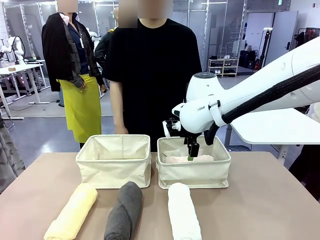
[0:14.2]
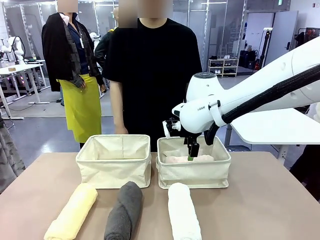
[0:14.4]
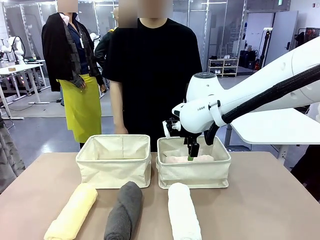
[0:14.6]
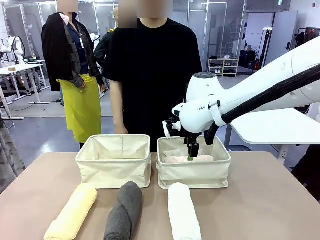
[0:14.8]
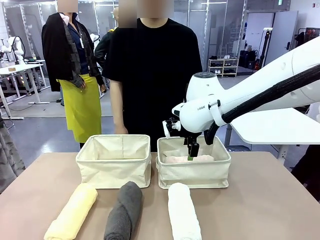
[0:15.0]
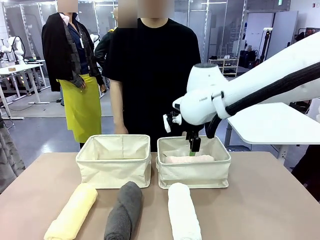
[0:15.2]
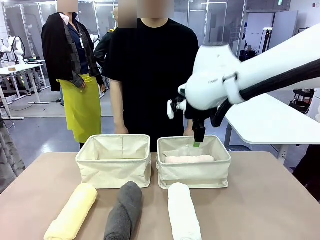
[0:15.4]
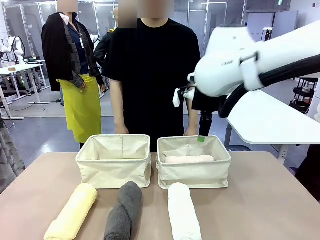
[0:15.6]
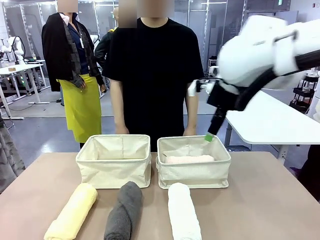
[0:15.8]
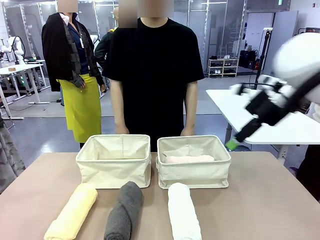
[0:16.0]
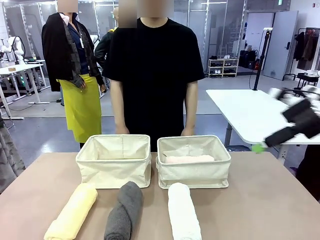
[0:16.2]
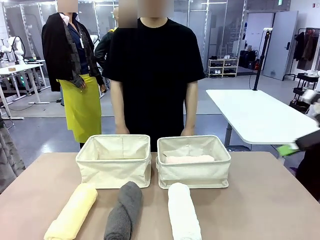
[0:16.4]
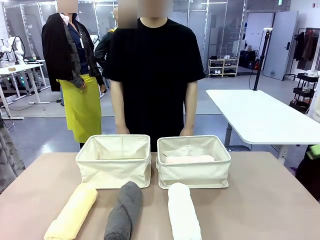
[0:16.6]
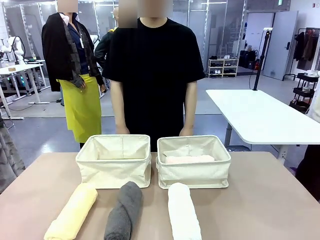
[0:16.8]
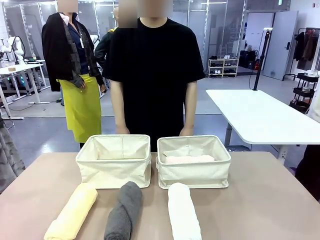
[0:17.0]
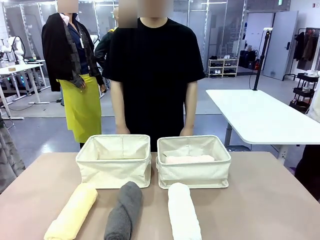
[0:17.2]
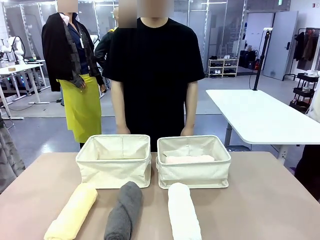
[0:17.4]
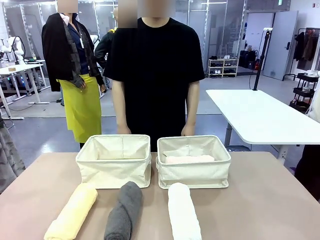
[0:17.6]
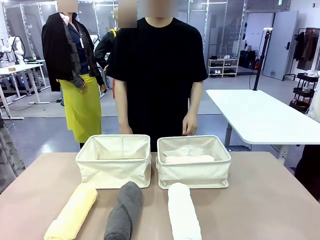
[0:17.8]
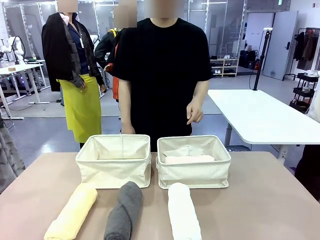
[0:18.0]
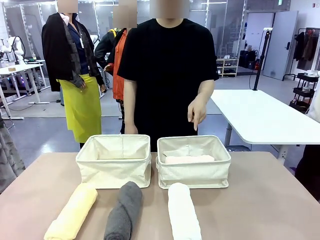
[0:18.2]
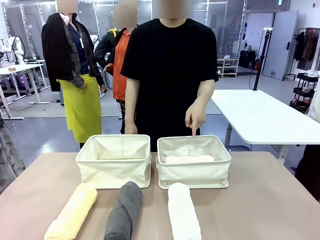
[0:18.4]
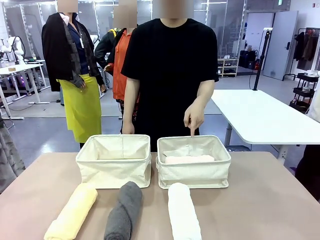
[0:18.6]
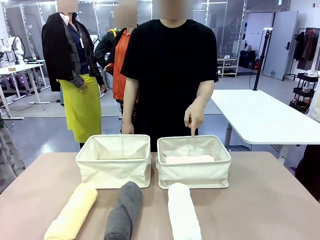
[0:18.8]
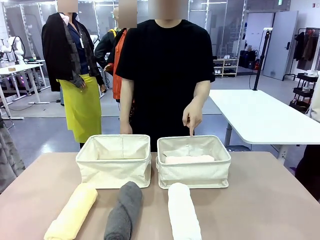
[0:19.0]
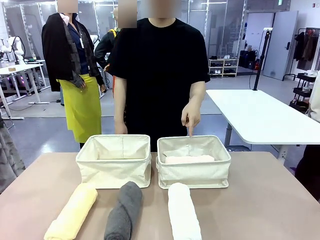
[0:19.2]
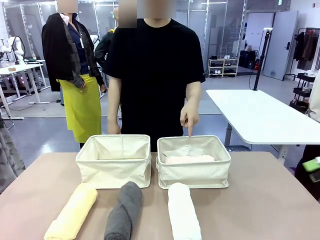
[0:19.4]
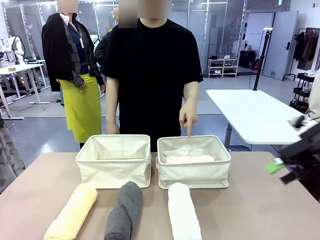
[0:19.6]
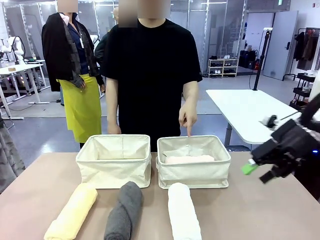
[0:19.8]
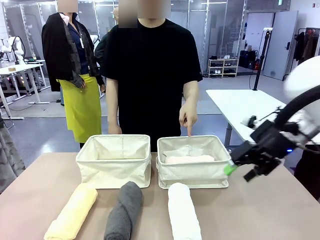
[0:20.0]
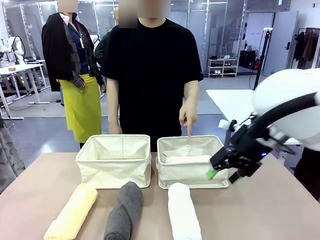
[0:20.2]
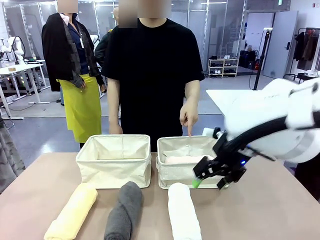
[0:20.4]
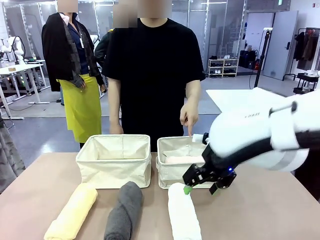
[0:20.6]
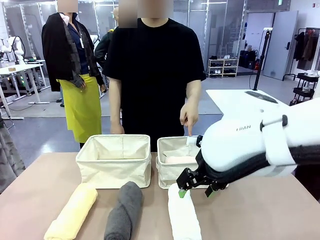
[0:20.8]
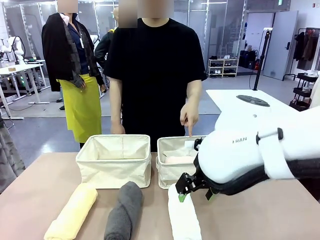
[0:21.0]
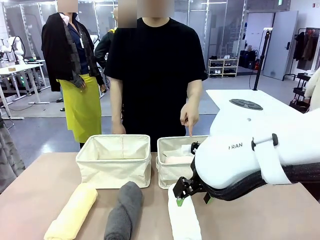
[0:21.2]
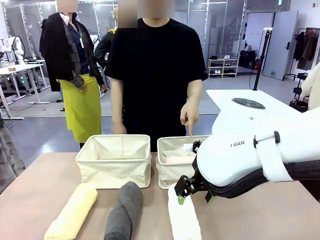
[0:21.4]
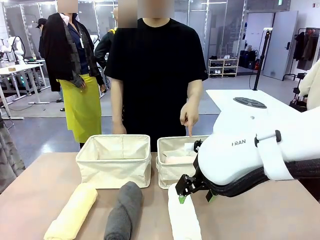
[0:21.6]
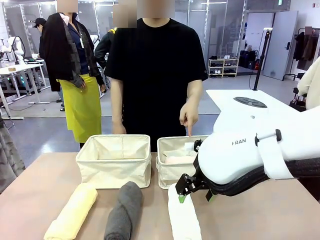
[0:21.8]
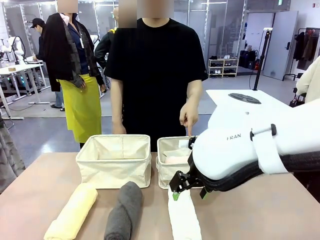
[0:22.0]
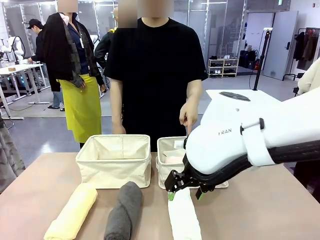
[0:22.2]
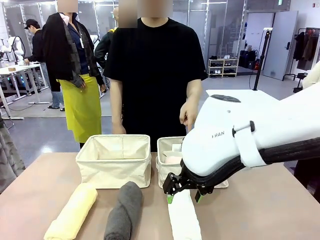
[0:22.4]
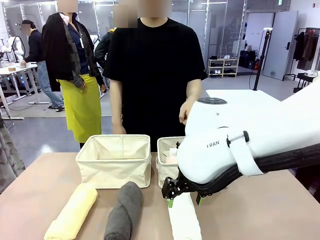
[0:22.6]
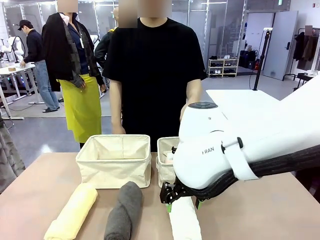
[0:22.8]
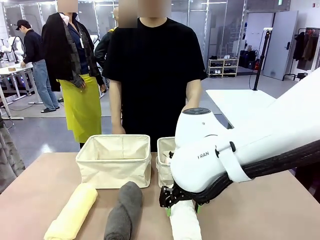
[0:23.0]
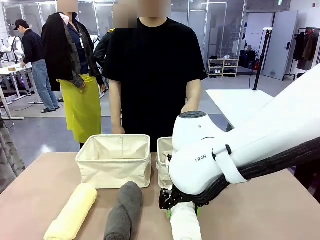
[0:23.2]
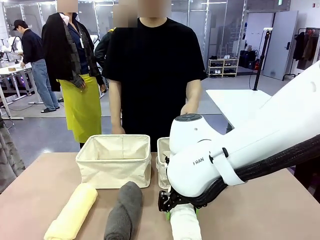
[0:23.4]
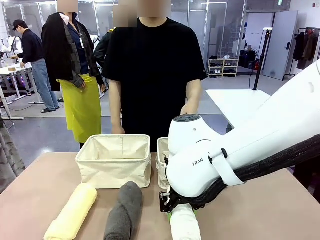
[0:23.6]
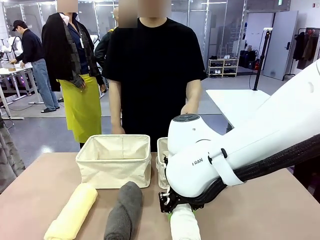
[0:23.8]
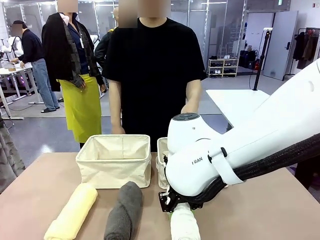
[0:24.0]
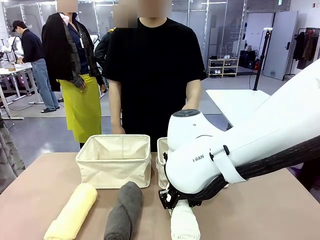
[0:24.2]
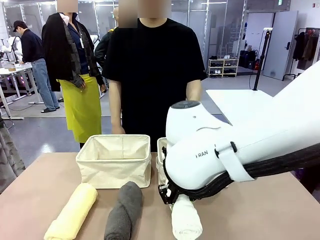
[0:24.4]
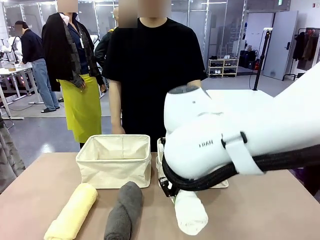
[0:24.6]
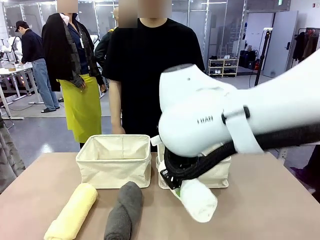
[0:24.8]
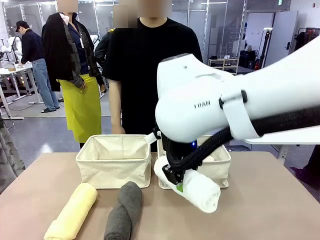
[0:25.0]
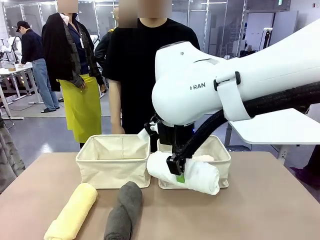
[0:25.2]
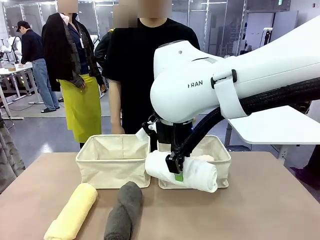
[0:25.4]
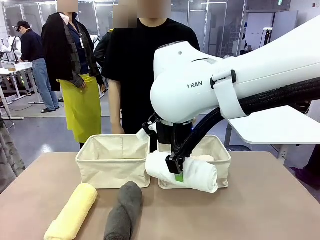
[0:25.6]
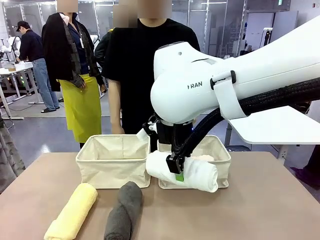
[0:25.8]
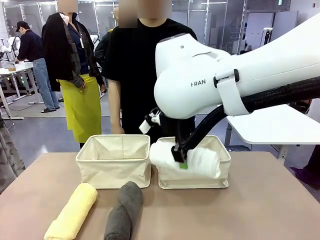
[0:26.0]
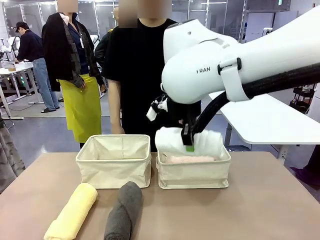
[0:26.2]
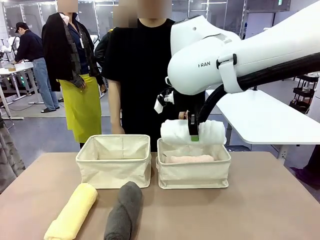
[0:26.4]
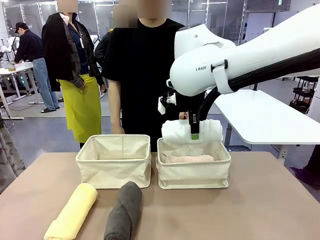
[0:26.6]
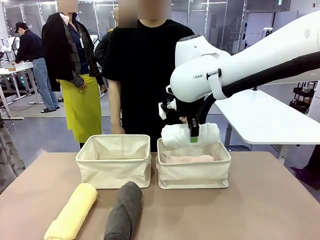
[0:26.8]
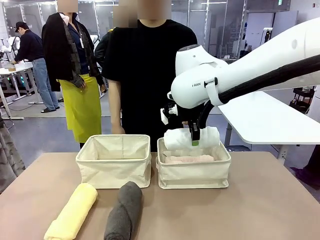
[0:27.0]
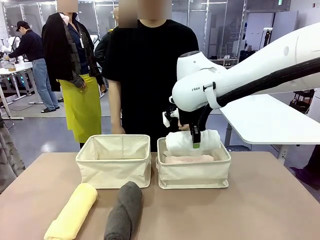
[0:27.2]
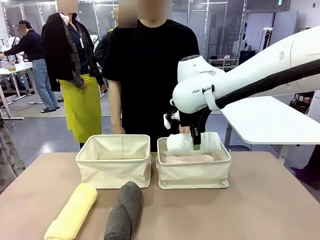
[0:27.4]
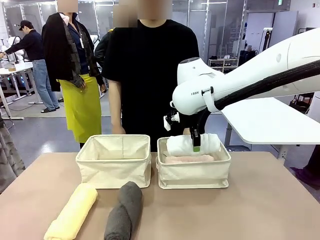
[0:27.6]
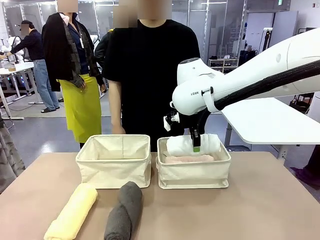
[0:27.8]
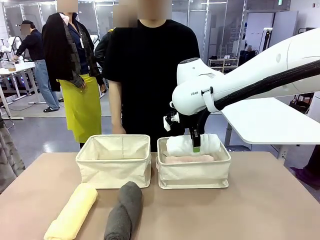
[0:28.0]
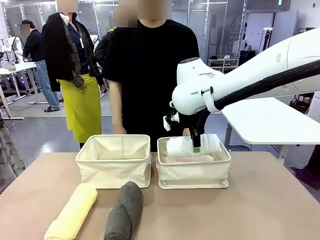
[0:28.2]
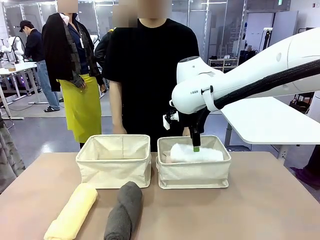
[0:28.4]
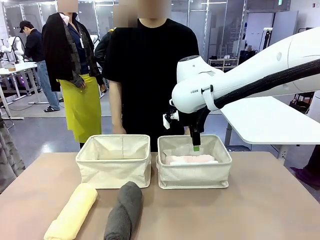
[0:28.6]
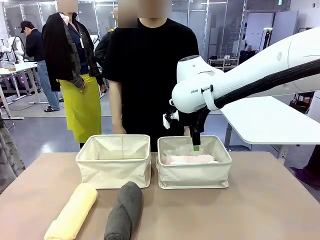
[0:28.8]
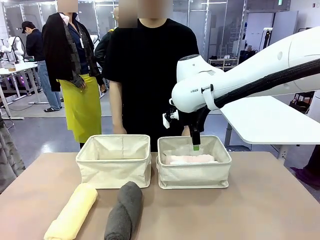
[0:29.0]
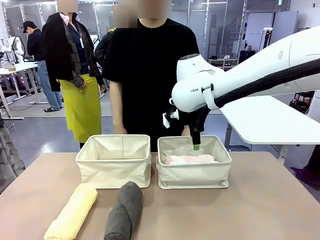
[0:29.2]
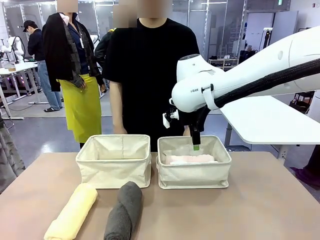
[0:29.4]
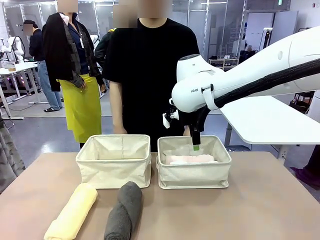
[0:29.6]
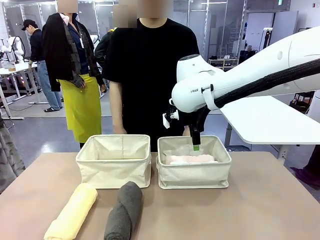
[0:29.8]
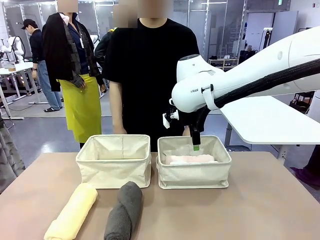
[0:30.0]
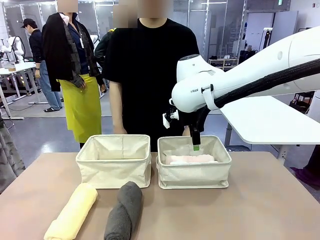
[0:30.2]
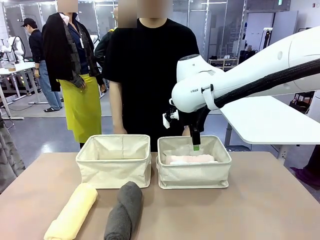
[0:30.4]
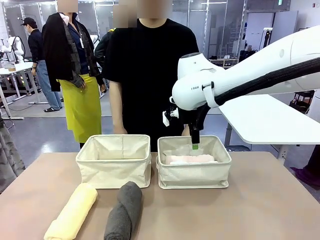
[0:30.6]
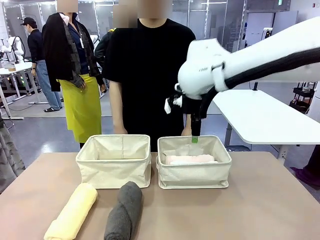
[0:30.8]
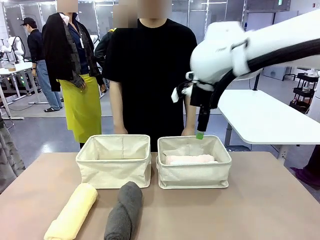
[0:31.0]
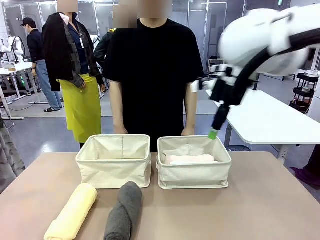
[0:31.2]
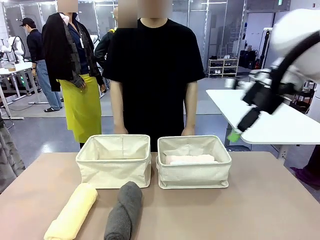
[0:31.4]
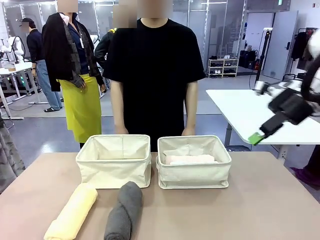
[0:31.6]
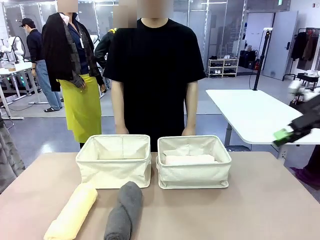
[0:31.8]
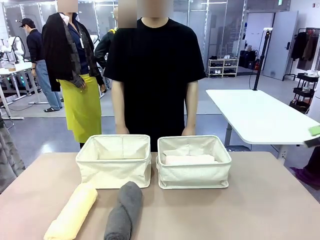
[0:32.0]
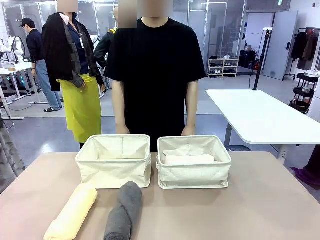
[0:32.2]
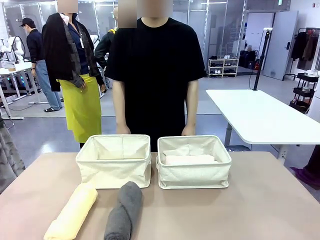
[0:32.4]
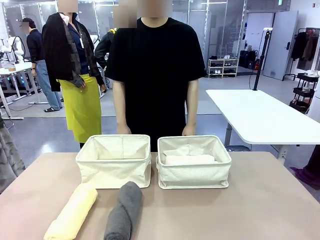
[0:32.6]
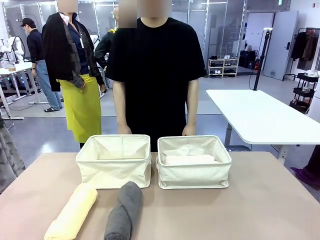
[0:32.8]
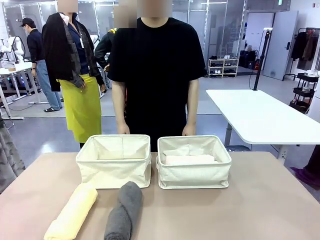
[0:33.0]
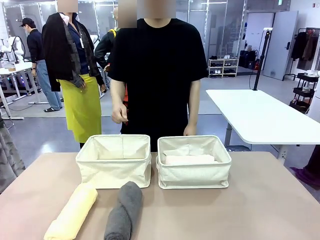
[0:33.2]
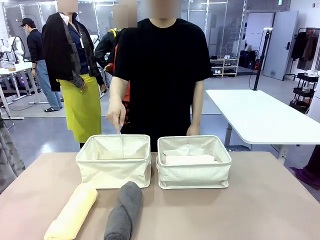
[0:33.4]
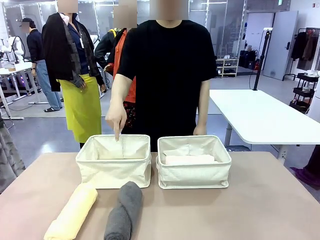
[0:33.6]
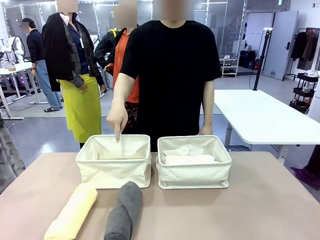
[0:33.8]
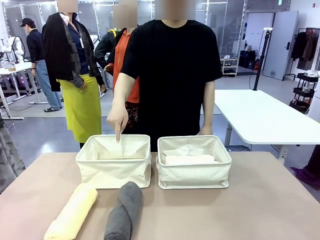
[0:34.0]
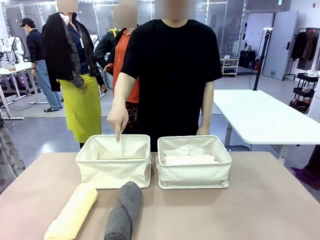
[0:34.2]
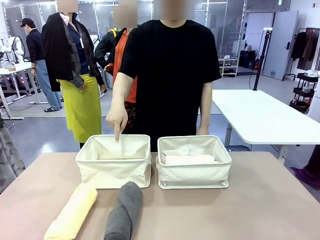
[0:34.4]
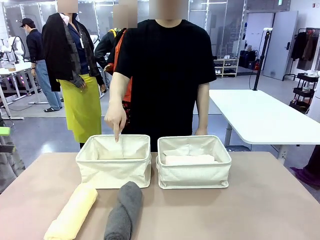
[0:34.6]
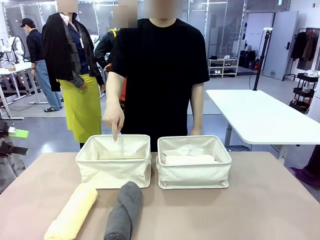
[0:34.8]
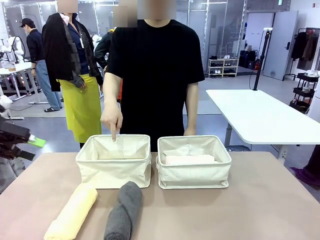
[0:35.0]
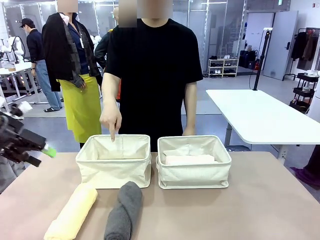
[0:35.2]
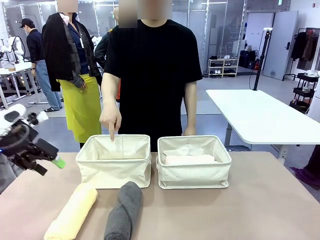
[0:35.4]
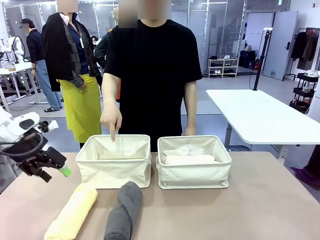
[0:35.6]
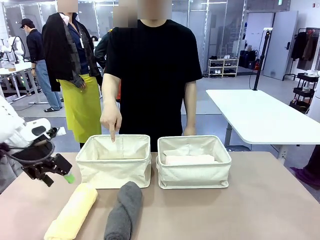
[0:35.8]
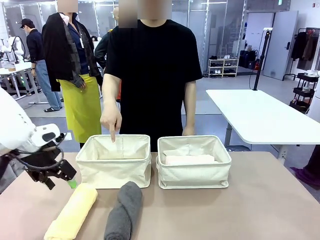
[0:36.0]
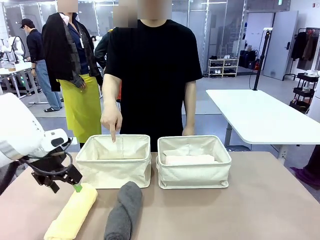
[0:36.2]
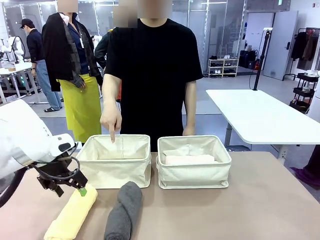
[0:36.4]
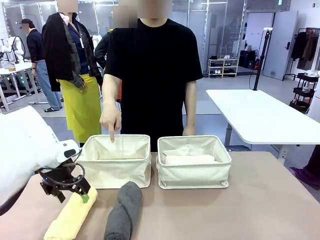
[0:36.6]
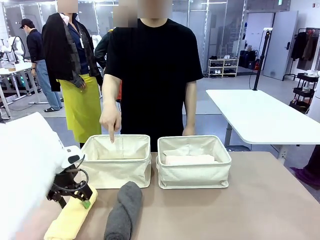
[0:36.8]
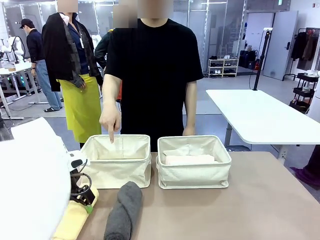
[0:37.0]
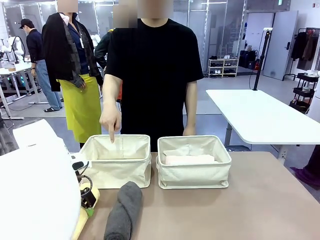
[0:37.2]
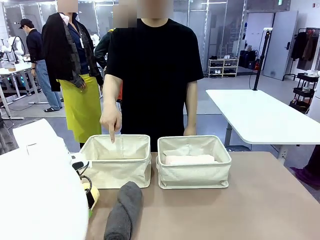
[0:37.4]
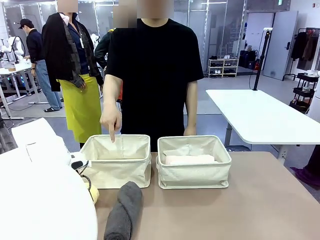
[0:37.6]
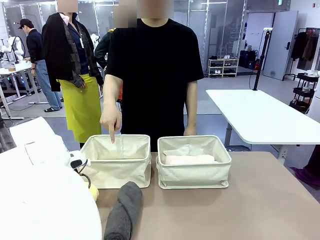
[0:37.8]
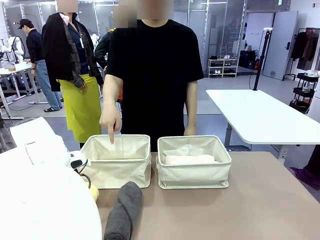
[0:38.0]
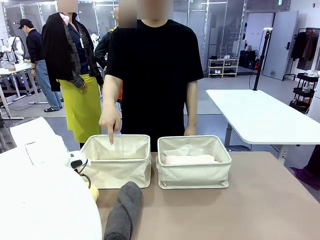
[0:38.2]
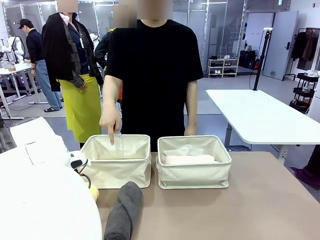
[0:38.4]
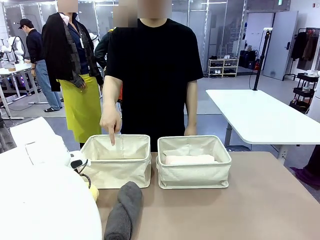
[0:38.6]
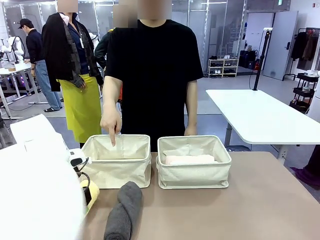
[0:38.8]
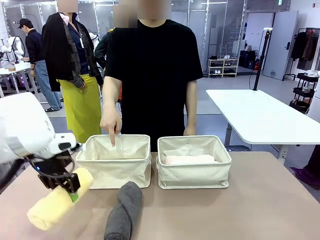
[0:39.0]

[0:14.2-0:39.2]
Task: Divide the towels into two baskets.
Robot: Pick up one hotel-folded towel from the bottom of the table and place it in the Fabric basket indicated by the person.
